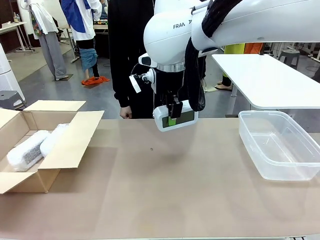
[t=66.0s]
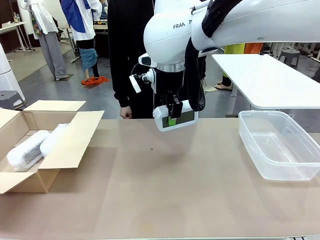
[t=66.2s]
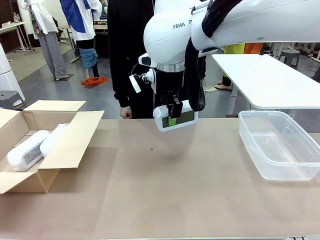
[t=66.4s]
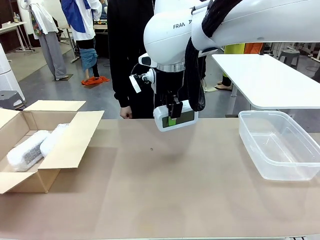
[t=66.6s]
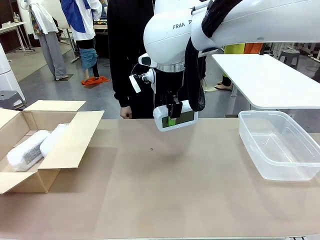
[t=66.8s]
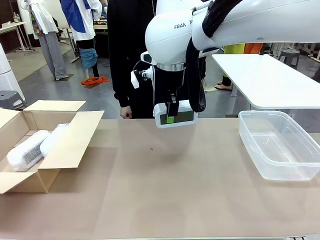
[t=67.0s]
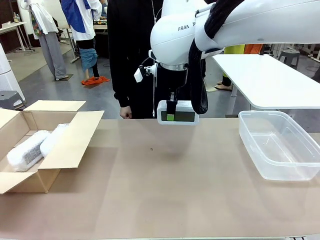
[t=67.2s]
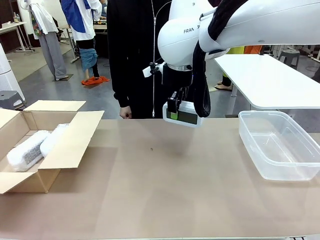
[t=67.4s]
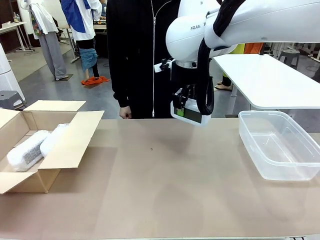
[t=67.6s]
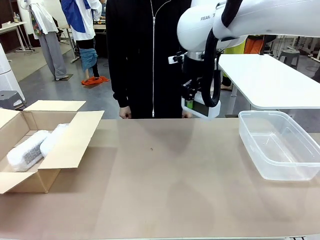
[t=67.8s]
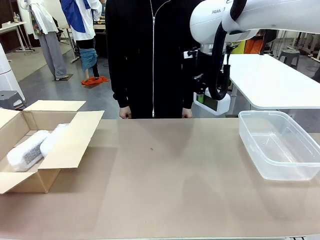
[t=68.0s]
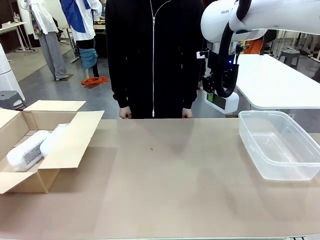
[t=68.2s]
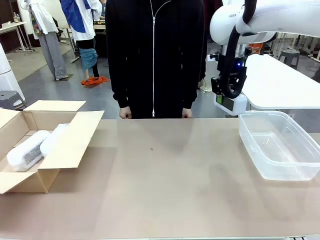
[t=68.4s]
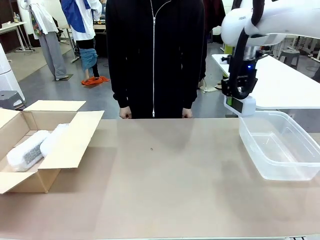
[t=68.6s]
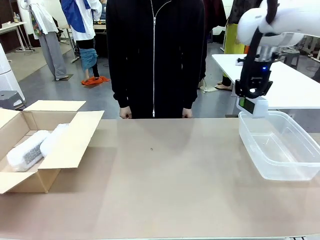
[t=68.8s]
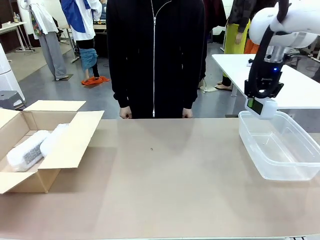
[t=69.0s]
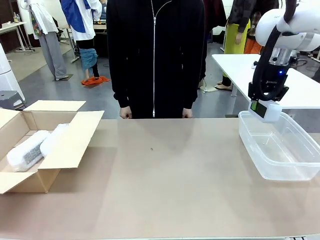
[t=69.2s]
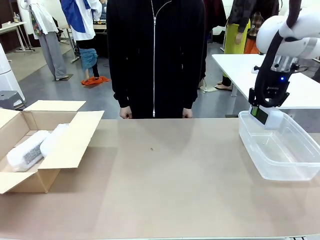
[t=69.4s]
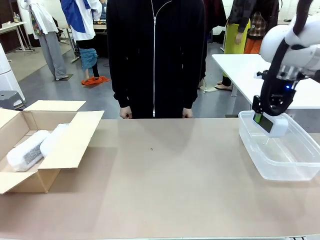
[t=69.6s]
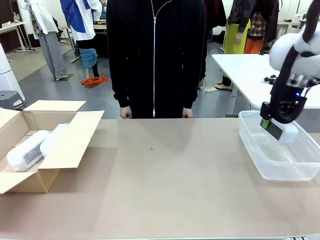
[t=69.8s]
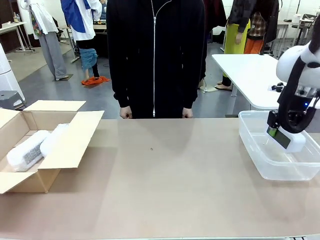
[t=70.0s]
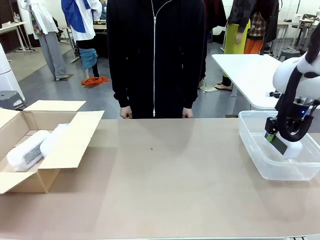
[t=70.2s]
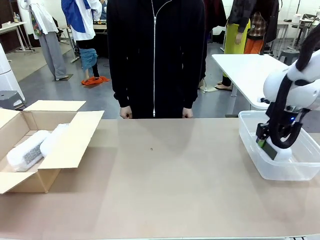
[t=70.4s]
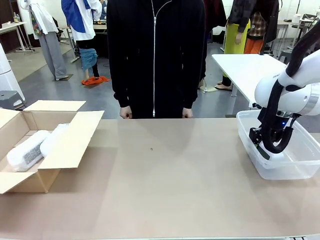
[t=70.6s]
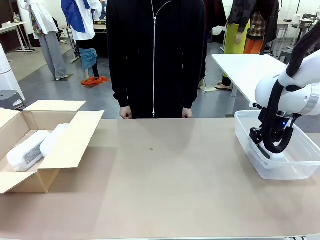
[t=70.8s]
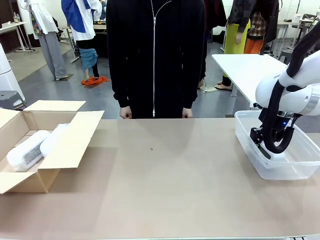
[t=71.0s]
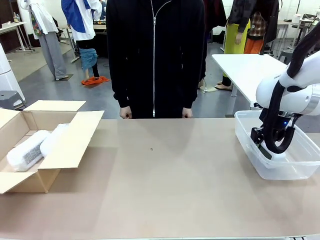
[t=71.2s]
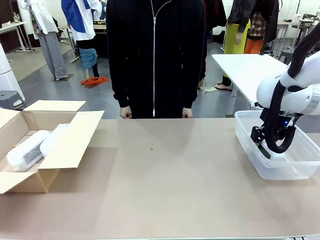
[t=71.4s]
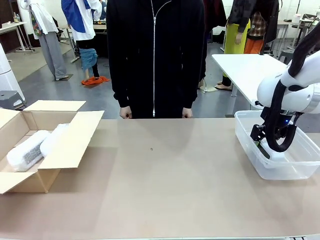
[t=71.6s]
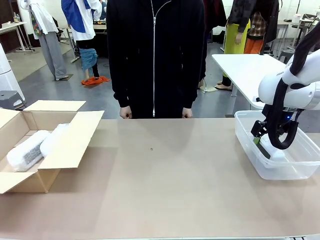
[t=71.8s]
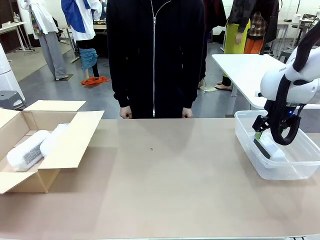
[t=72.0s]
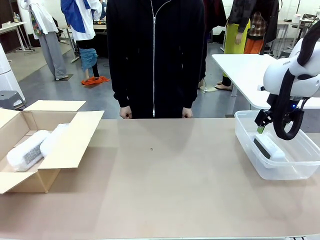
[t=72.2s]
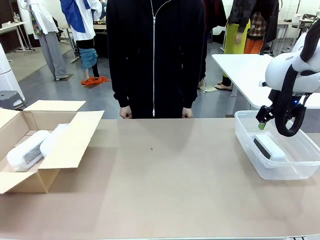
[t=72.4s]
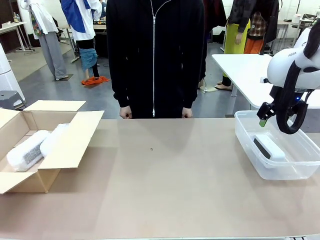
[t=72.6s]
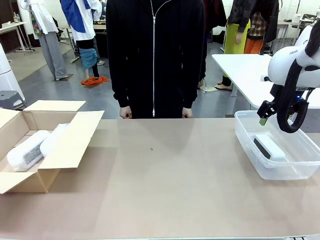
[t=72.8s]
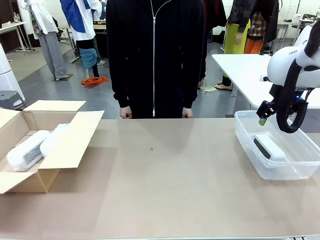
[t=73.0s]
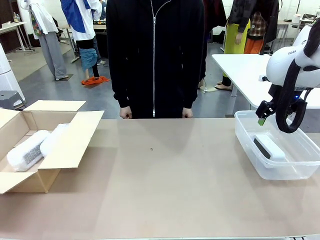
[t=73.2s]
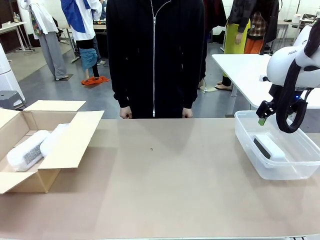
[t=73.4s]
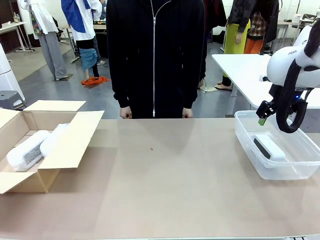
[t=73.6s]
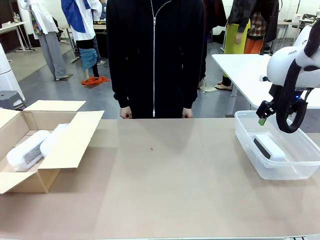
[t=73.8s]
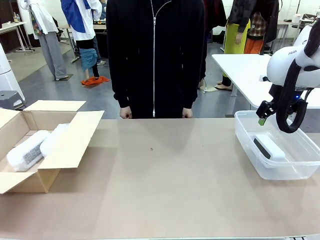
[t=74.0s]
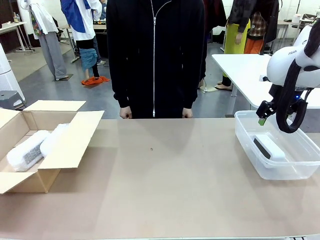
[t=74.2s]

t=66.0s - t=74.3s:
Task: Separate and place wrapped and unwrapped clocks.
Robot: If the picked Digital clock is wrapped, place it in the Package Box ; if not, place it in the Organizing box.

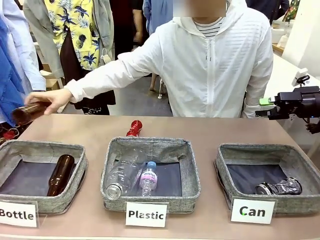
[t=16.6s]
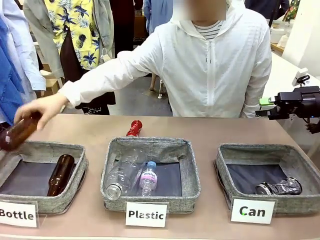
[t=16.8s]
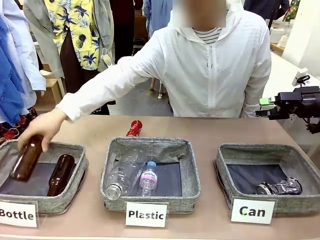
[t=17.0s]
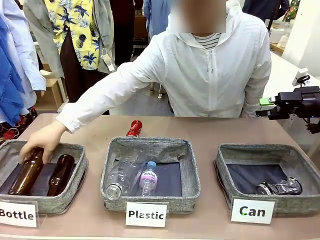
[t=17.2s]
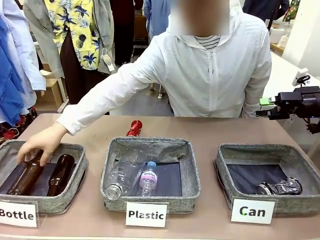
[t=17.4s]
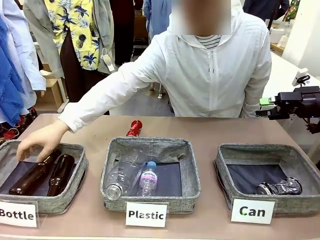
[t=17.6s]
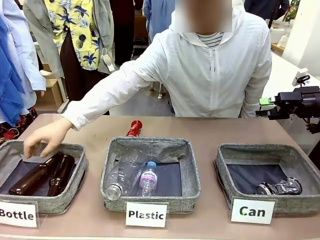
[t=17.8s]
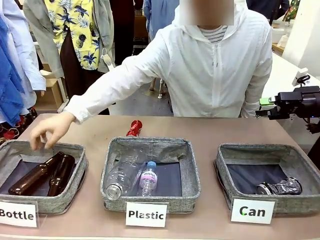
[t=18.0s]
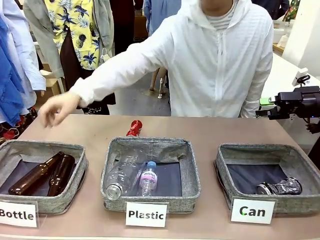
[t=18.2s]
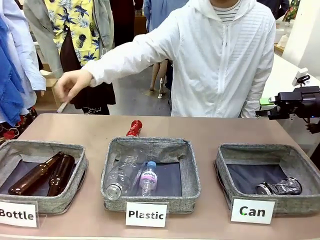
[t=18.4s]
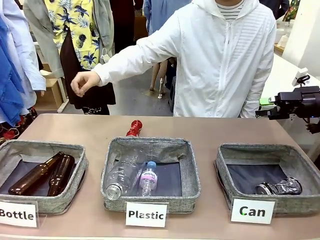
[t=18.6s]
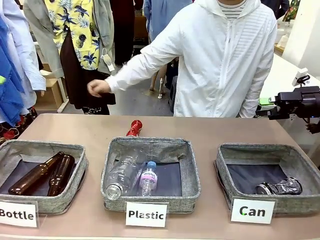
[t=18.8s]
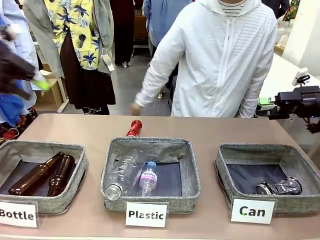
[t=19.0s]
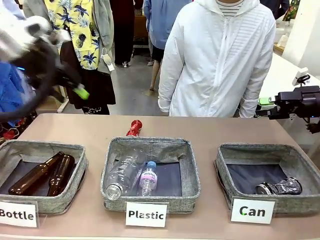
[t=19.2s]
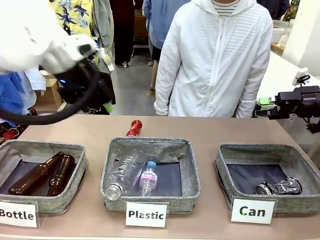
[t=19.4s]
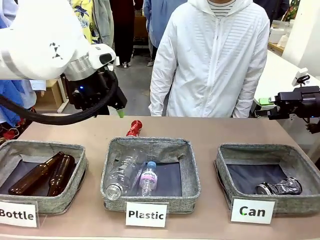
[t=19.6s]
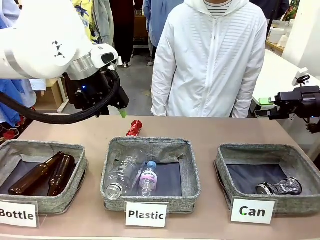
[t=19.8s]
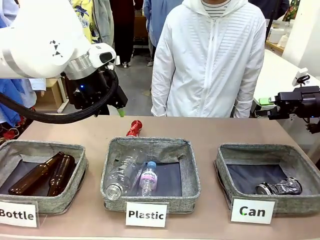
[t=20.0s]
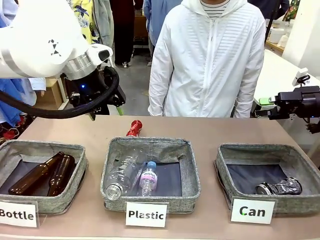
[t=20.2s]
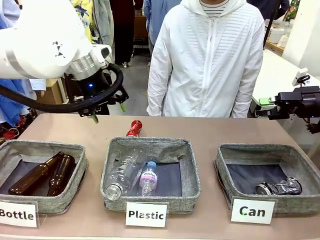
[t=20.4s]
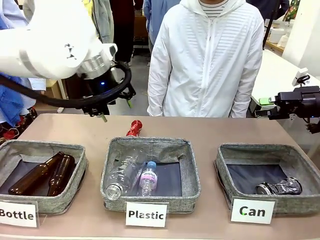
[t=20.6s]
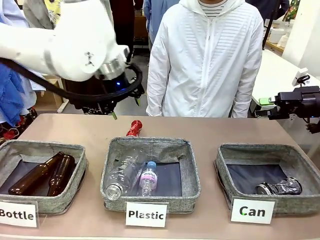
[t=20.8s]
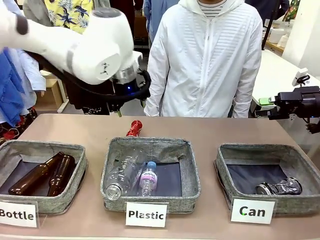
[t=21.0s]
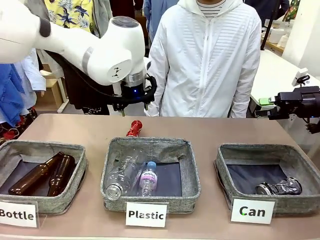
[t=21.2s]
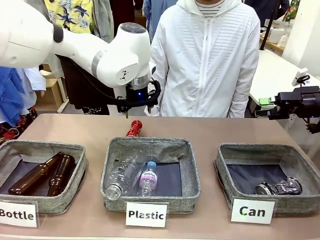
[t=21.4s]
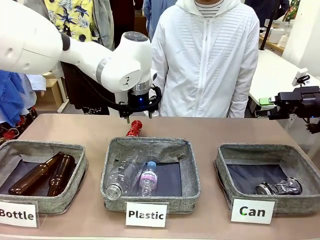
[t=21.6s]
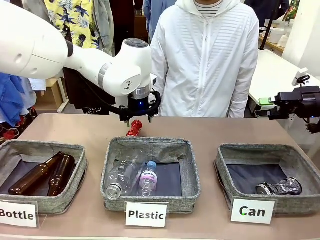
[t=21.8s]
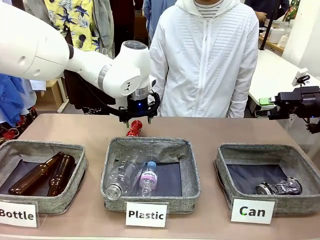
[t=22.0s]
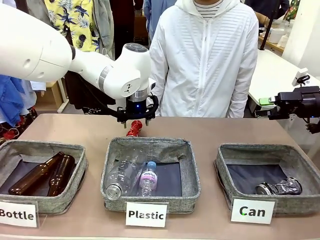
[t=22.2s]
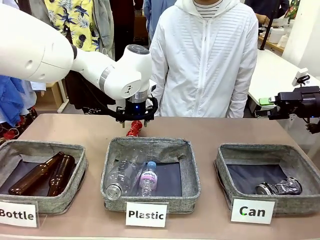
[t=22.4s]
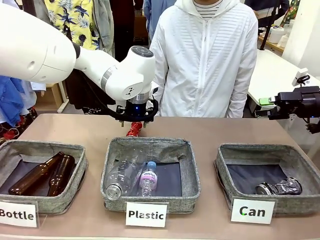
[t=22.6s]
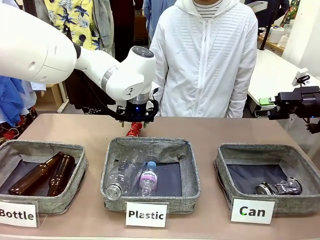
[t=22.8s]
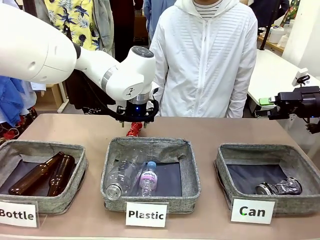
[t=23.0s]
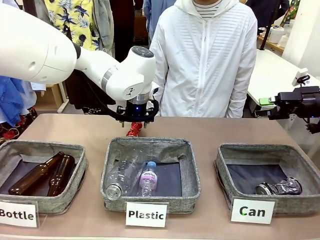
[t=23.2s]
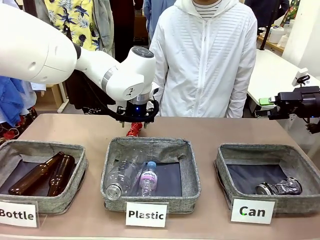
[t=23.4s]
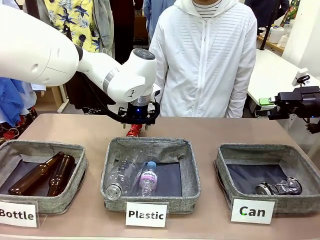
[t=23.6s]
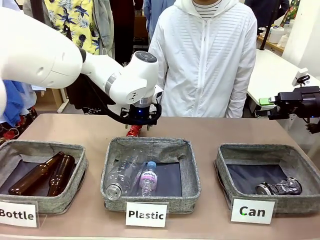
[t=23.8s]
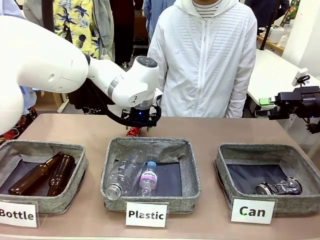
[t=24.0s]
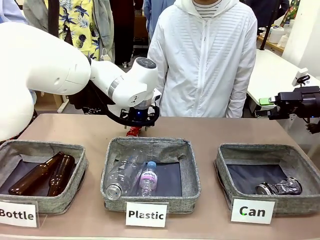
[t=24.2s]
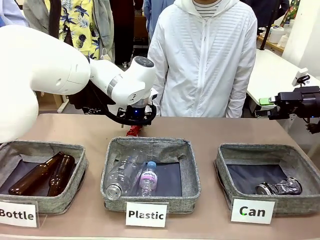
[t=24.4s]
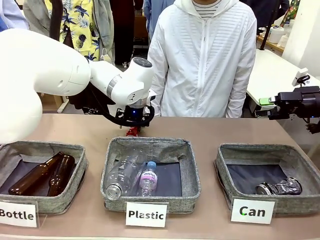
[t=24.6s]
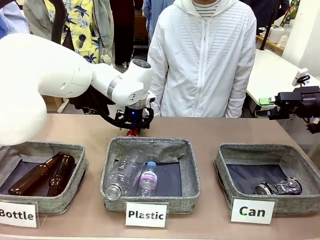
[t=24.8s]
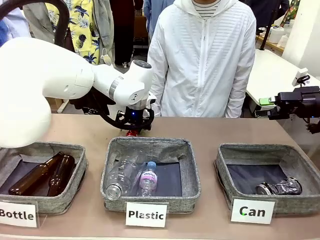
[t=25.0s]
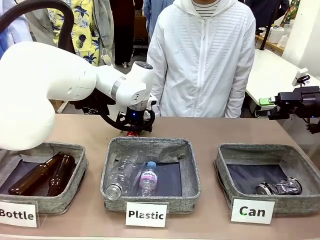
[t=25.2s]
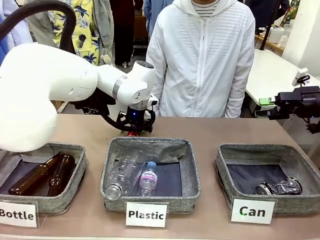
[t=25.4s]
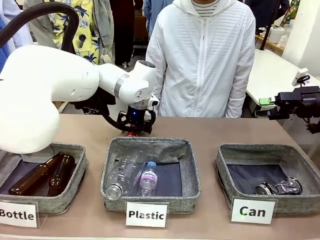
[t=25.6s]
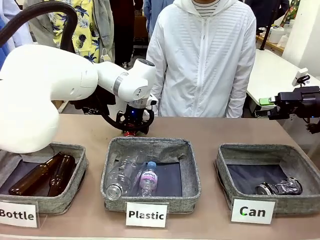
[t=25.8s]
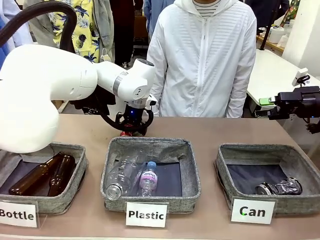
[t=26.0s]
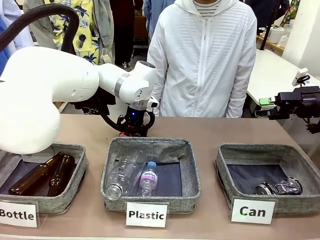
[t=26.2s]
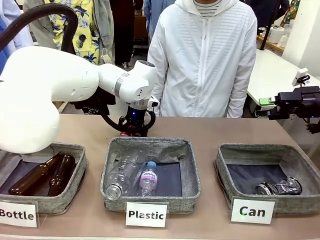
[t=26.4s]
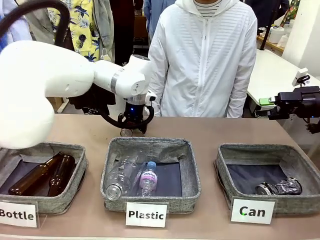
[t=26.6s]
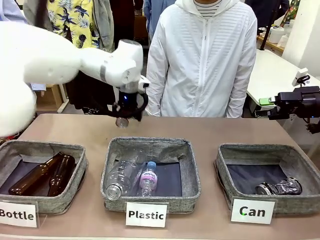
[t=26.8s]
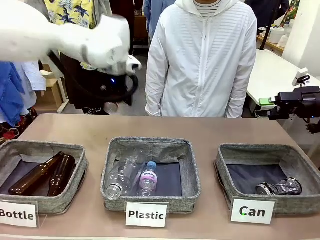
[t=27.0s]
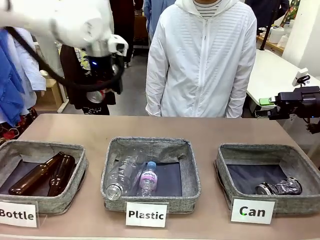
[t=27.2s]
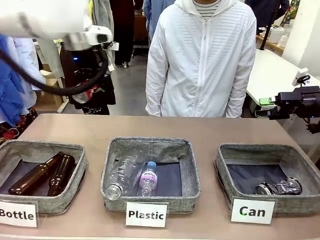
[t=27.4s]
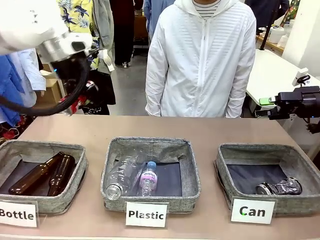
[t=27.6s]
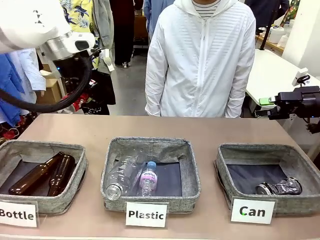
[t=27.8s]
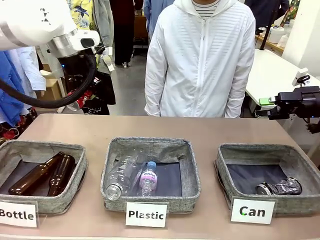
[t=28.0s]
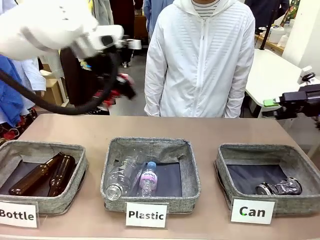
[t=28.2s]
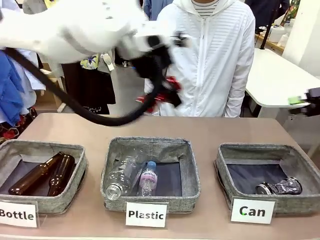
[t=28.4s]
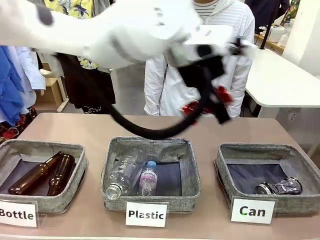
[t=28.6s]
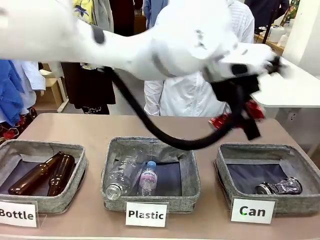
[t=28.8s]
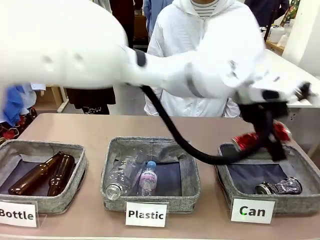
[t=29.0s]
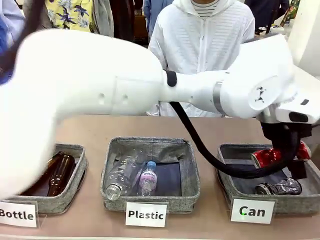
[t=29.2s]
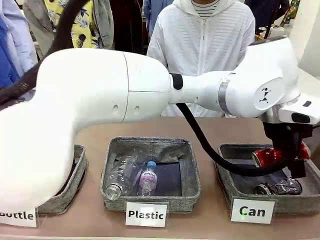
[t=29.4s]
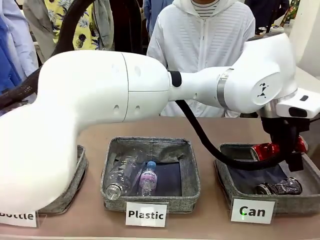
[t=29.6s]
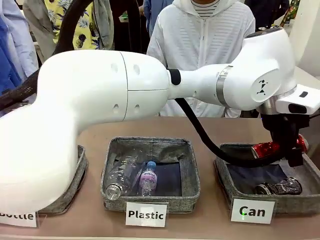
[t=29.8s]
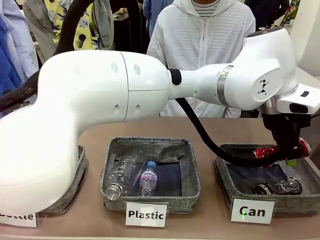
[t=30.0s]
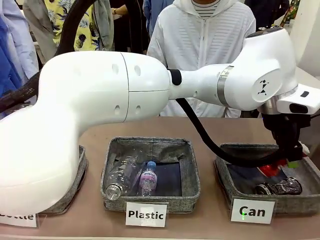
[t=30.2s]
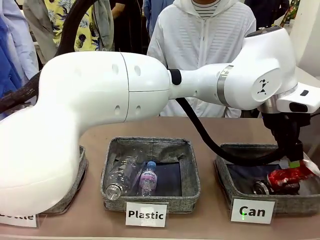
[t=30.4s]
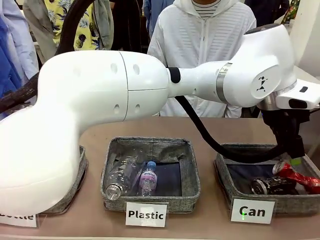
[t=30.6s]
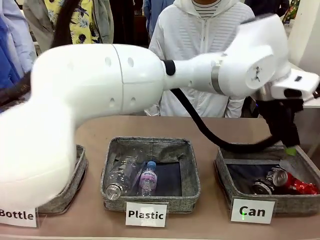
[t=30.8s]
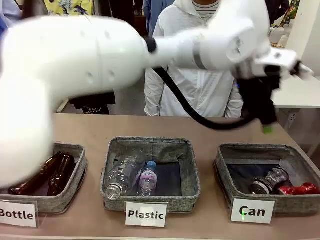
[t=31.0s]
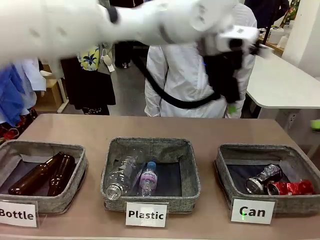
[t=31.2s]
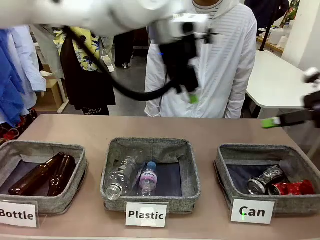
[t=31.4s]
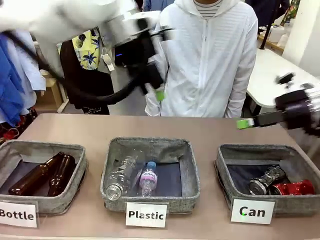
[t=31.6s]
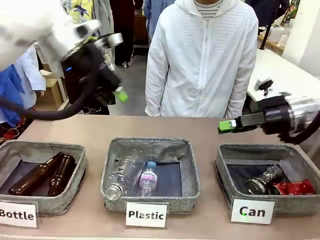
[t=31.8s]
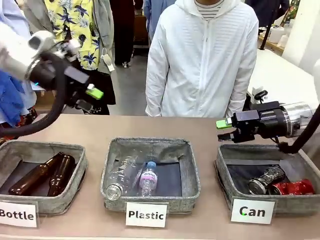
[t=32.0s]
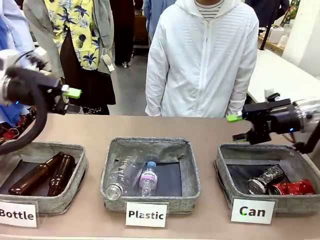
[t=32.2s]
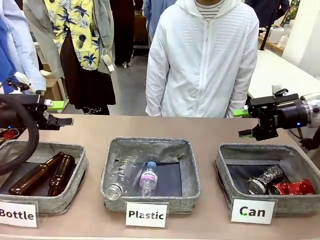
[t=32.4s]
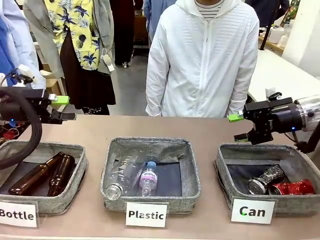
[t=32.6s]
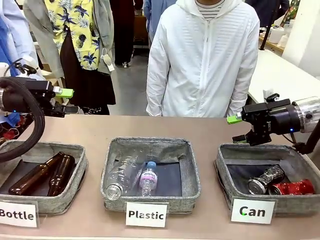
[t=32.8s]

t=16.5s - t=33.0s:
Task: Sort the can waste into the basket.
Robot: Pick up the can waste from the table and place it in the right Fabric basket.
